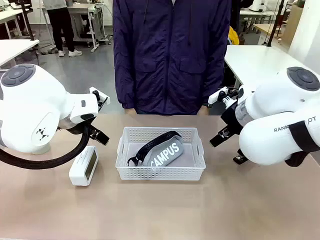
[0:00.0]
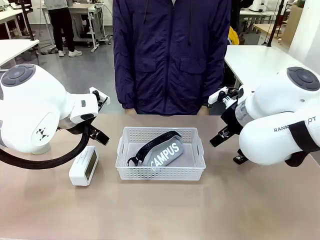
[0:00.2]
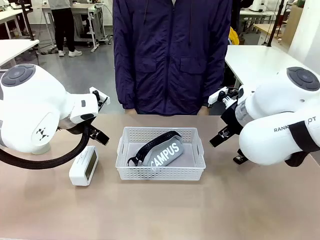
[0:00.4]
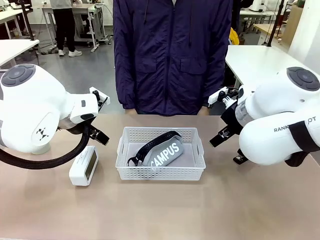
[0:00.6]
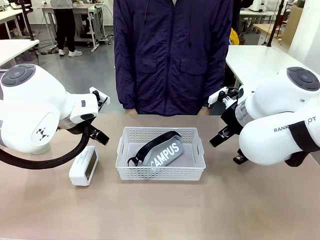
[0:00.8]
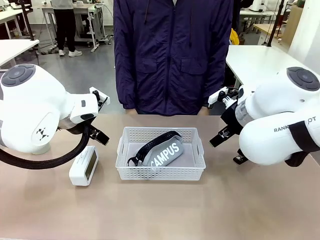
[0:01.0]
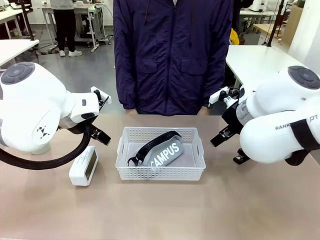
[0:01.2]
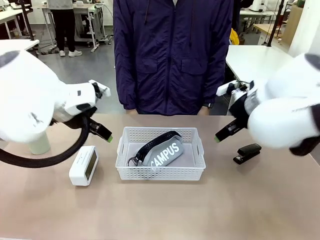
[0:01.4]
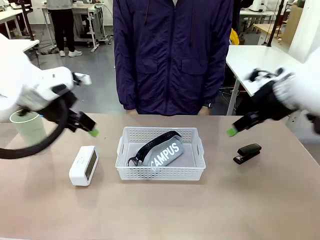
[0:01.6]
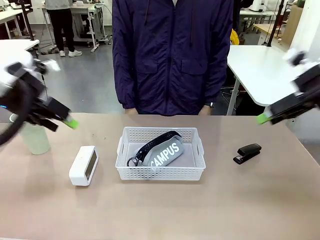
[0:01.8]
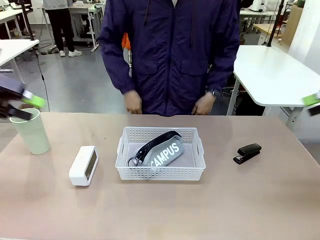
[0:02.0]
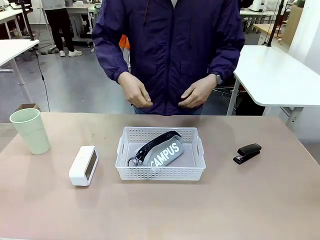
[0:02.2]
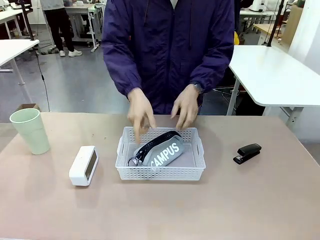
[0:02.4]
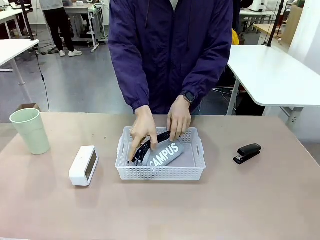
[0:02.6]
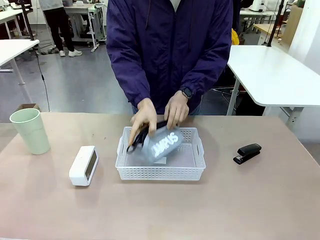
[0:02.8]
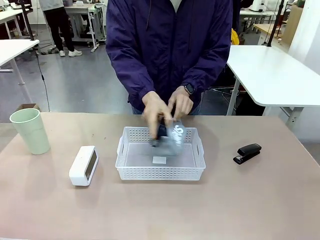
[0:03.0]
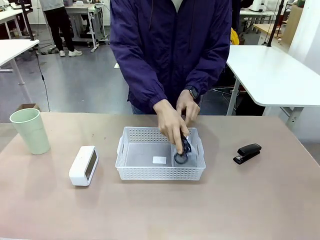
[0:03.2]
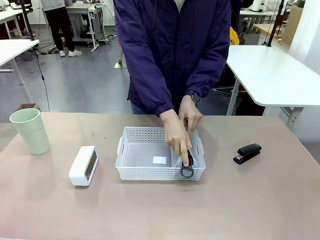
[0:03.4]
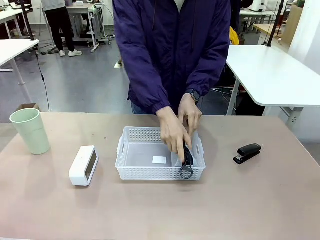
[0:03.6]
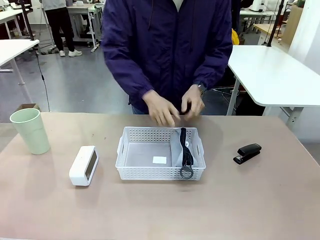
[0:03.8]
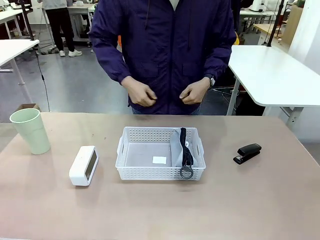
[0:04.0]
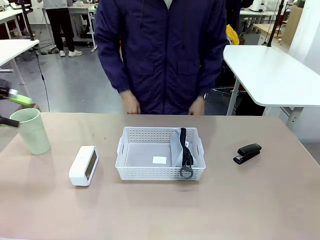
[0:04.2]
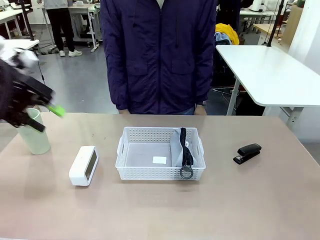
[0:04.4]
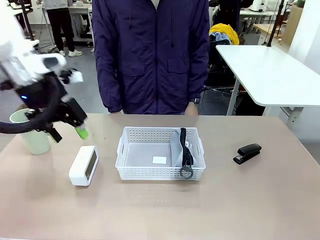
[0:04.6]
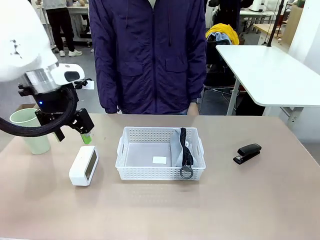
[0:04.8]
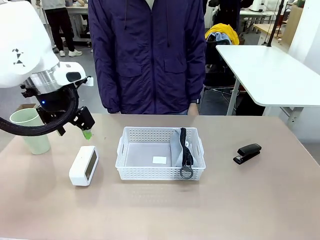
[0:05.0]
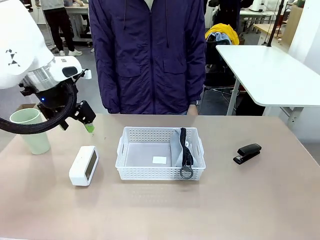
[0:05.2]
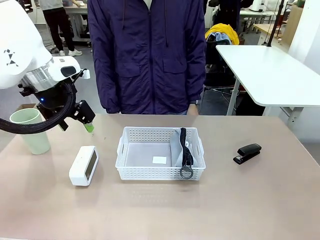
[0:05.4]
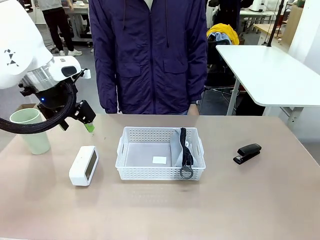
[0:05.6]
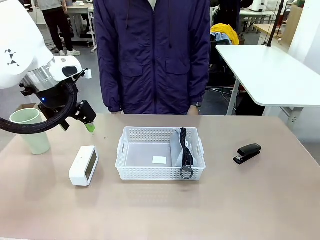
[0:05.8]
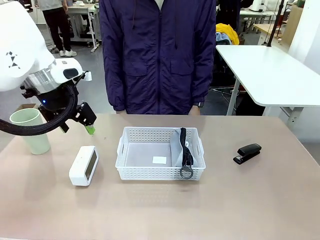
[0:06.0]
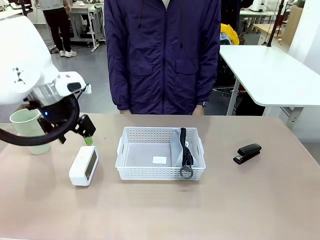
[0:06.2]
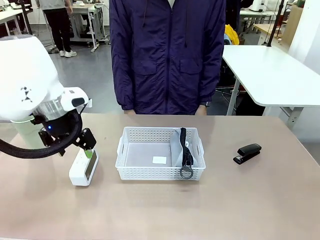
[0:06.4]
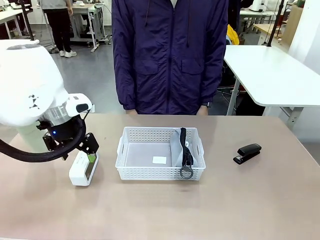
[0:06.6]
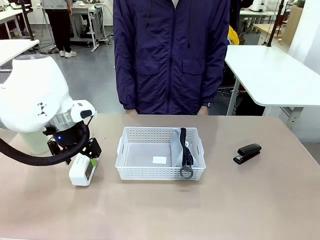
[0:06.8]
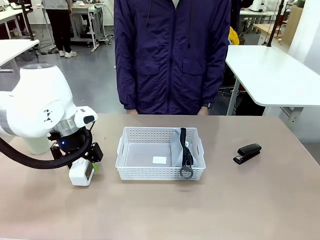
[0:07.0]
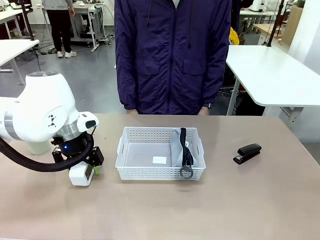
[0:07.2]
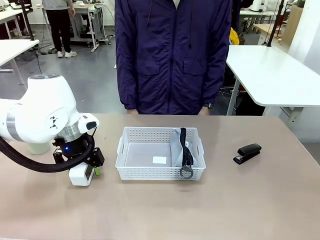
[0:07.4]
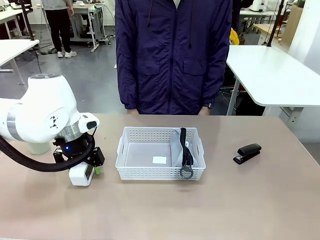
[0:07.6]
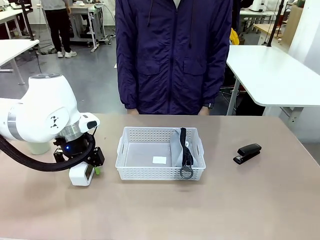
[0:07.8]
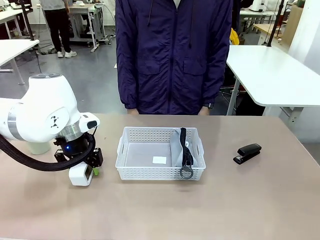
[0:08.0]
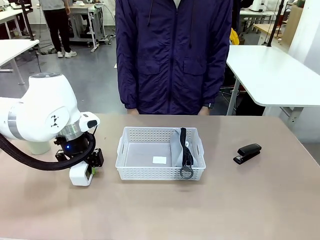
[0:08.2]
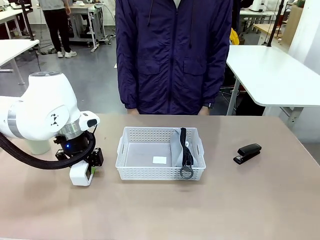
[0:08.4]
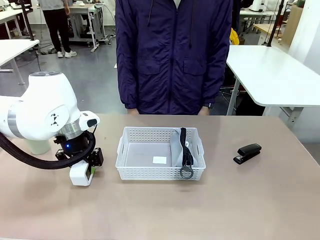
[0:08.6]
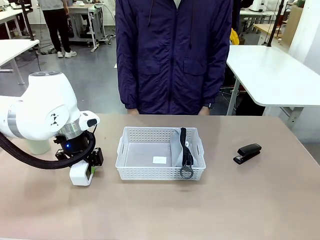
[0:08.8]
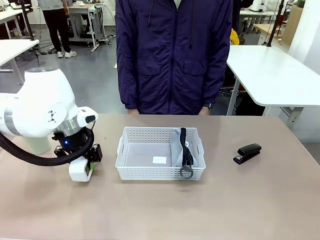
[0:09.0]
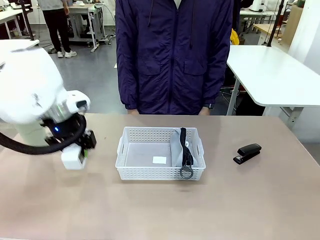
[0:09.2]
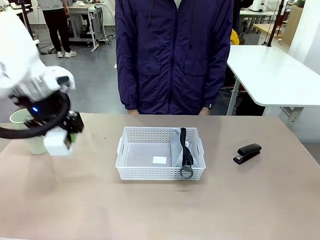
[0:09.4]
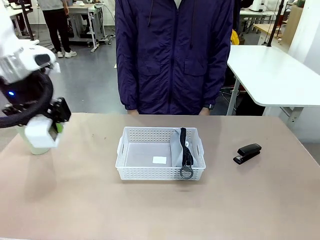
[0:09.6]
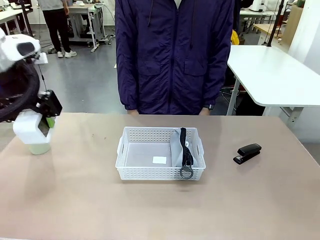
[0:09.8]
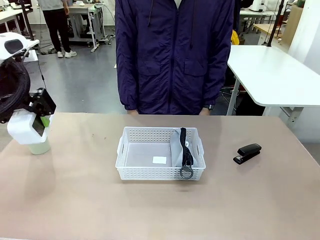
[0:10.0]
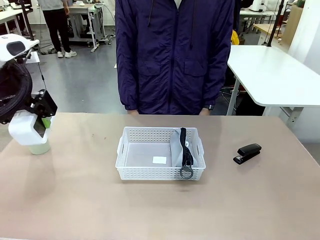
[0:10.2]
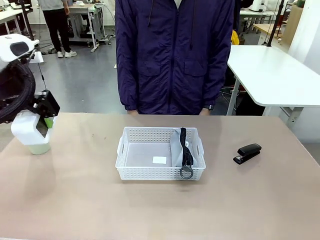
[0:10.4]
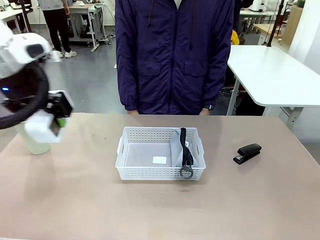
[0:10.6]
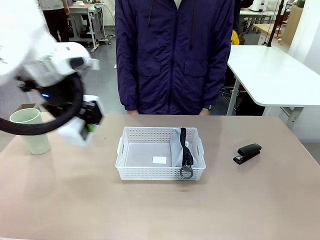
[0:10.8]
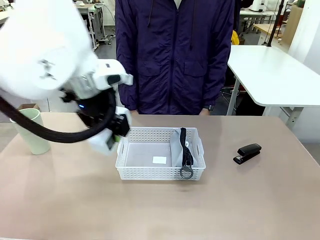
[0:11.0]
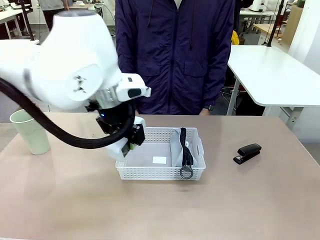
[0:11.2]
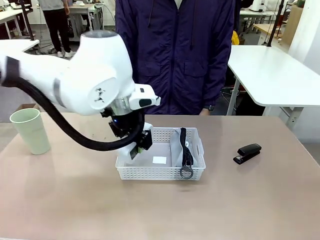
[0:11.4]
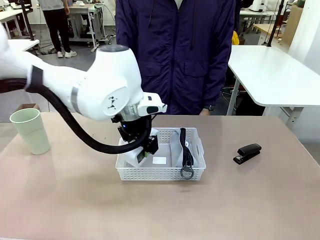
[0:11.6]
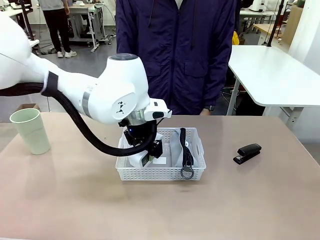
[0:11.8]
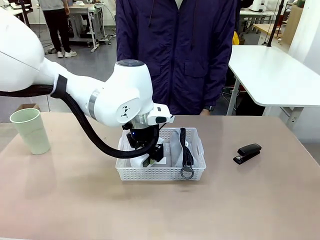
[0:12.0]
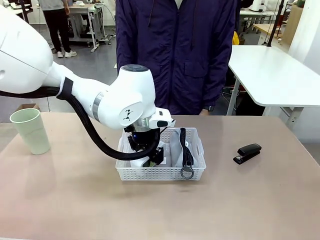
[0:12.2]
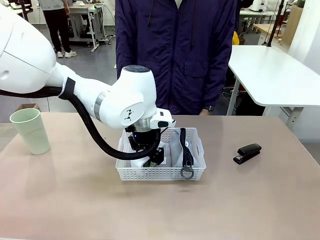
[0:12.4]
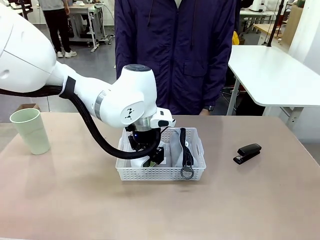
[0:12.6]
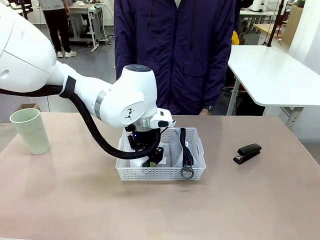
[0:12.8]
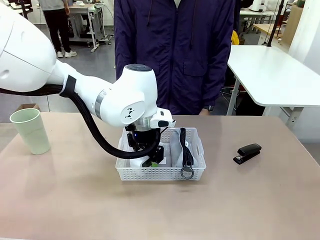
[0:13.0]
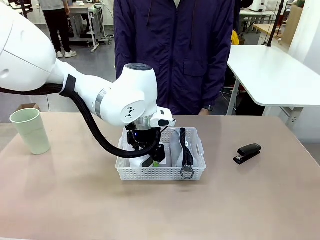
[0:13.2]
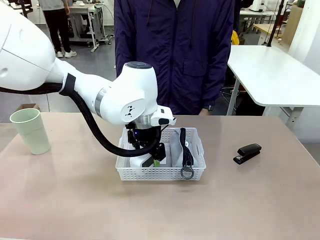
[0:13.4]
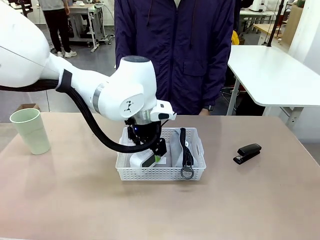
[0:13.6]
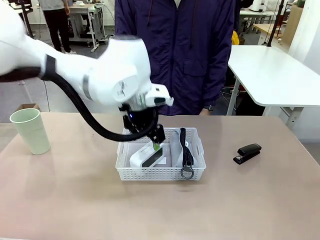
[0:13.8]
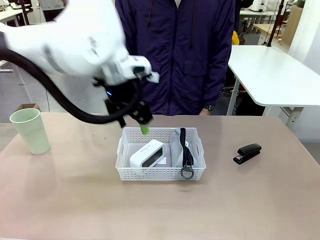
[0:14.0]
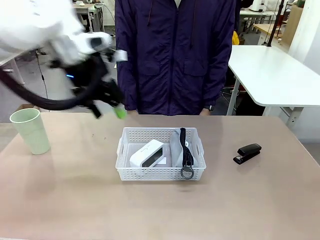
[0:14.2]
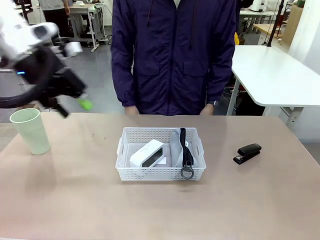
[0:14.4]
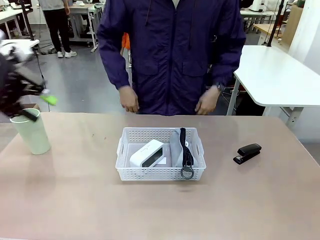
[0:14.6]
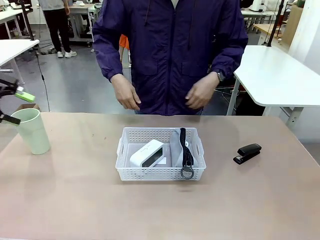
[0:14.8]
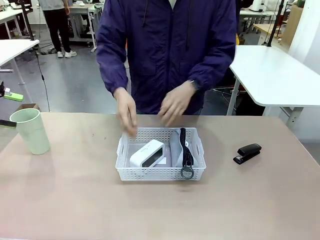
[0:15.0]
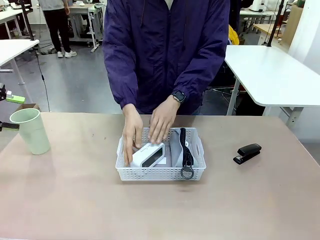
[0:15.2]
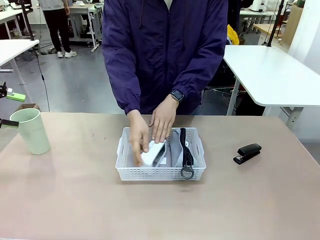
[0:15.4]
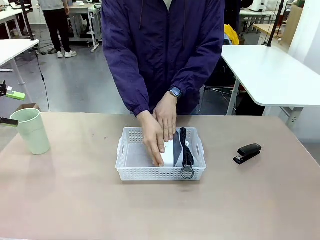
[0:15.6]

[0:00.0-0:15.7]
Task: Efficiently arrange items inside the basket to fit them all.
Robot: Pick up the Digital clock and place it inside the Organizing basket.
Person: Repositions the pencil case. Repositions the digital clock.
